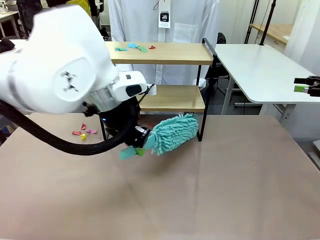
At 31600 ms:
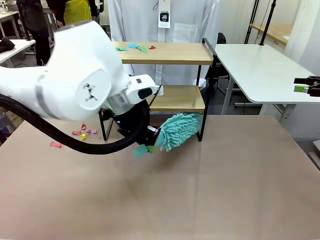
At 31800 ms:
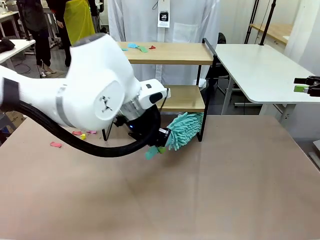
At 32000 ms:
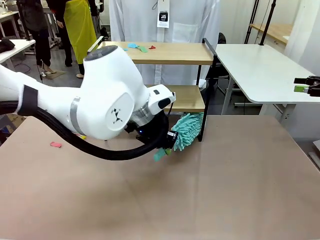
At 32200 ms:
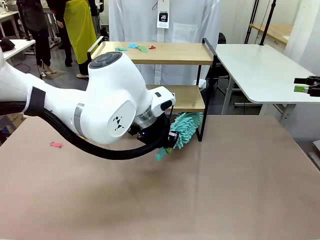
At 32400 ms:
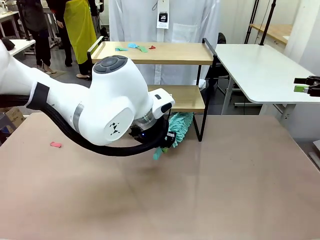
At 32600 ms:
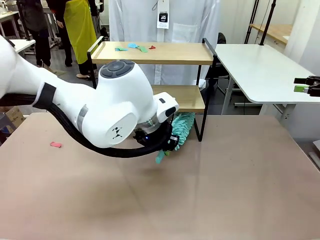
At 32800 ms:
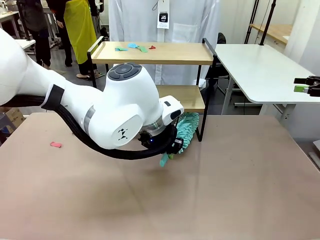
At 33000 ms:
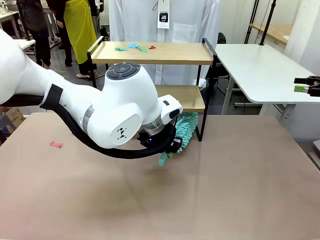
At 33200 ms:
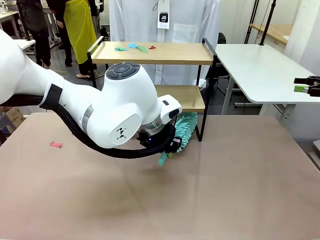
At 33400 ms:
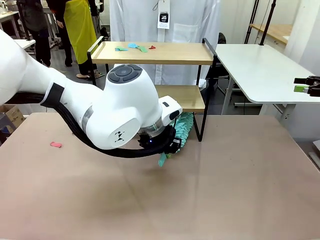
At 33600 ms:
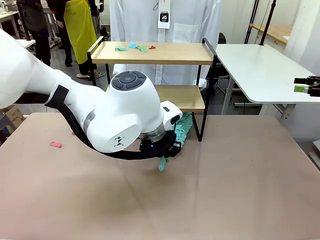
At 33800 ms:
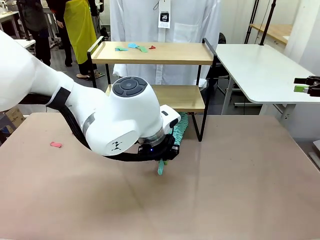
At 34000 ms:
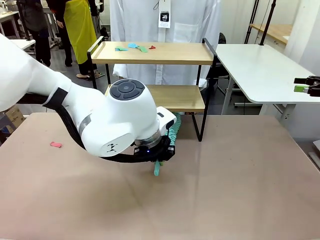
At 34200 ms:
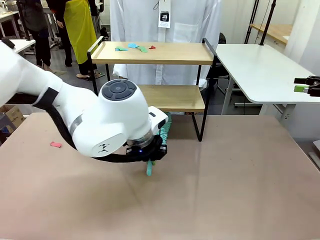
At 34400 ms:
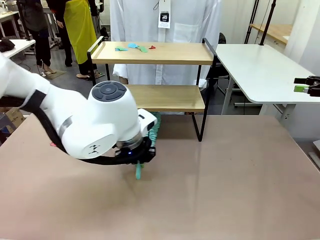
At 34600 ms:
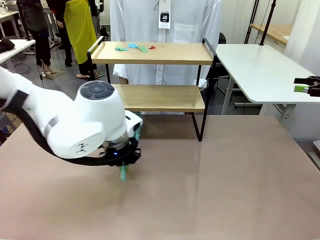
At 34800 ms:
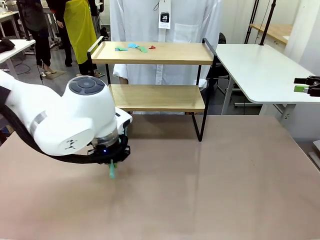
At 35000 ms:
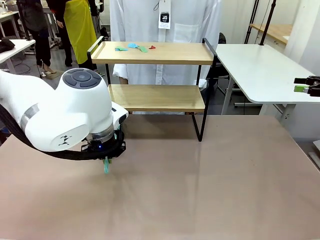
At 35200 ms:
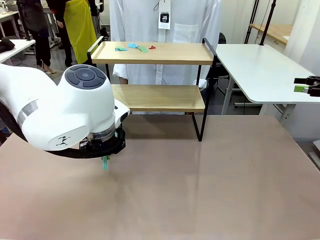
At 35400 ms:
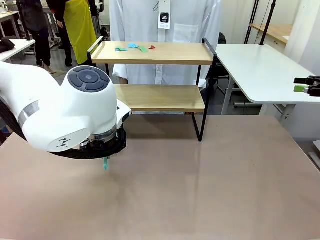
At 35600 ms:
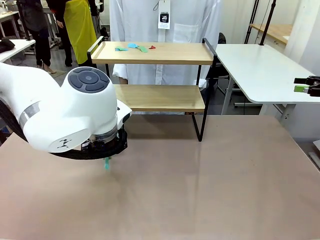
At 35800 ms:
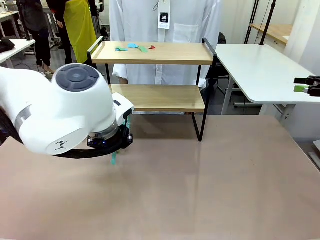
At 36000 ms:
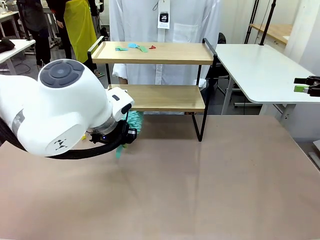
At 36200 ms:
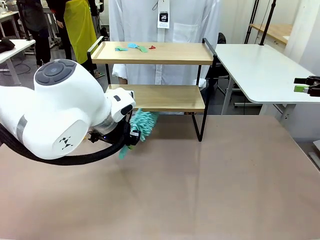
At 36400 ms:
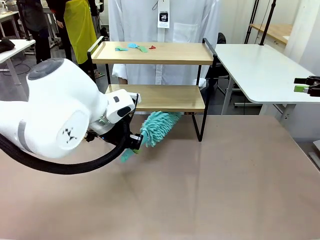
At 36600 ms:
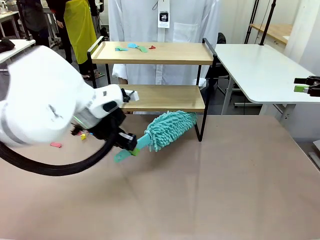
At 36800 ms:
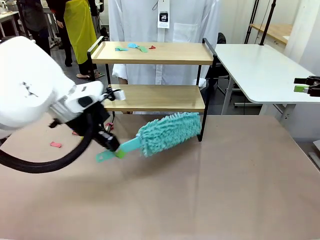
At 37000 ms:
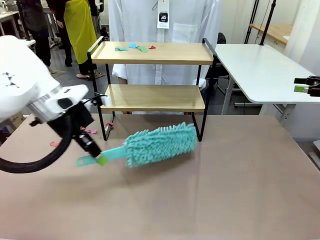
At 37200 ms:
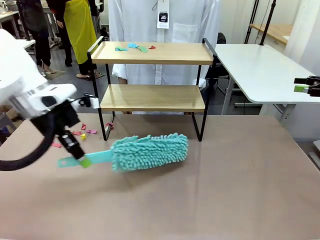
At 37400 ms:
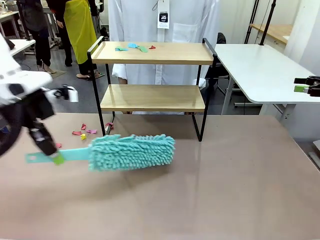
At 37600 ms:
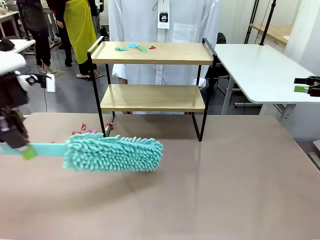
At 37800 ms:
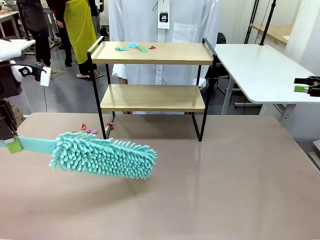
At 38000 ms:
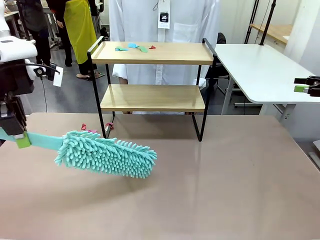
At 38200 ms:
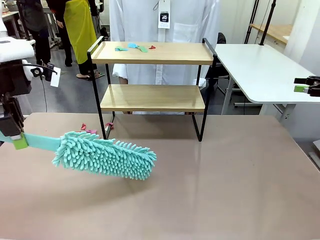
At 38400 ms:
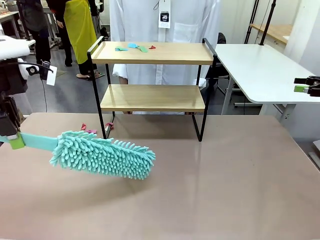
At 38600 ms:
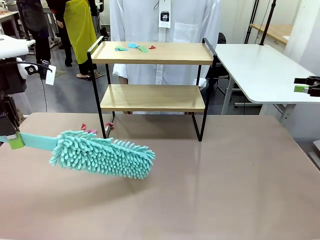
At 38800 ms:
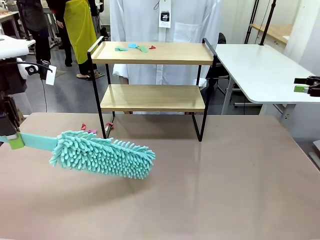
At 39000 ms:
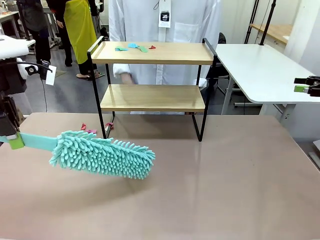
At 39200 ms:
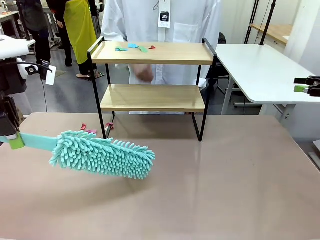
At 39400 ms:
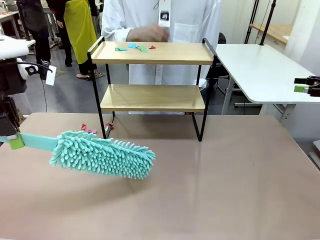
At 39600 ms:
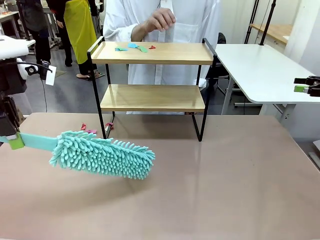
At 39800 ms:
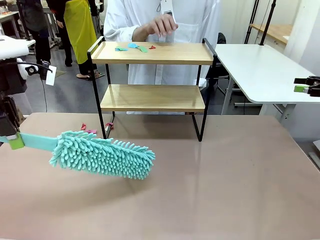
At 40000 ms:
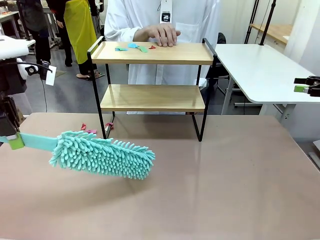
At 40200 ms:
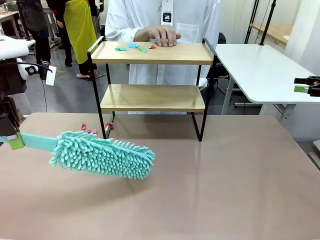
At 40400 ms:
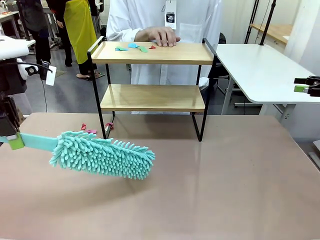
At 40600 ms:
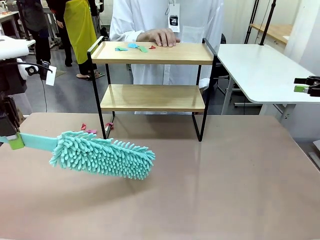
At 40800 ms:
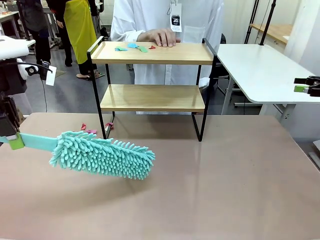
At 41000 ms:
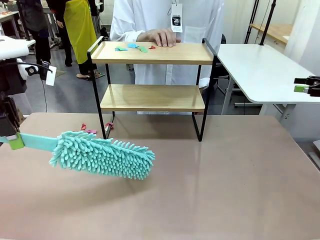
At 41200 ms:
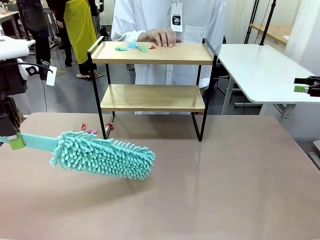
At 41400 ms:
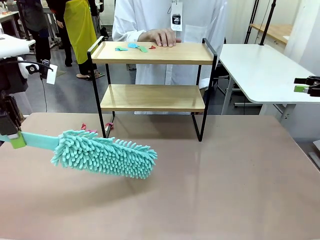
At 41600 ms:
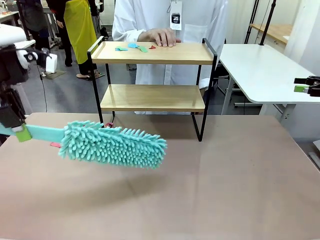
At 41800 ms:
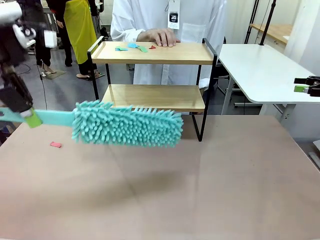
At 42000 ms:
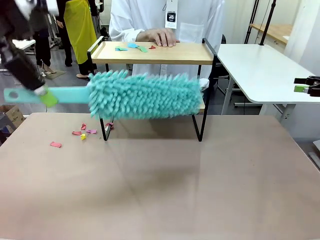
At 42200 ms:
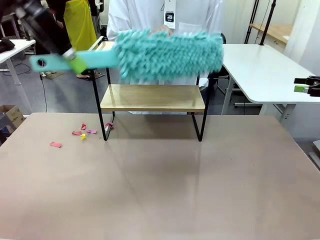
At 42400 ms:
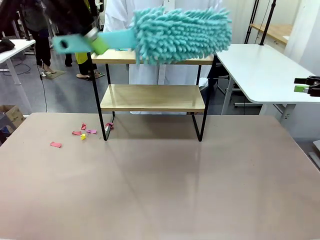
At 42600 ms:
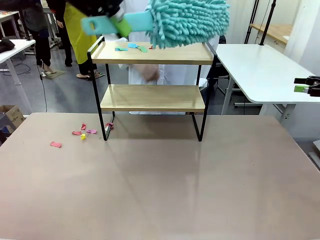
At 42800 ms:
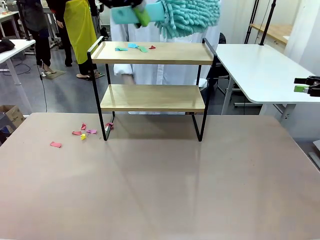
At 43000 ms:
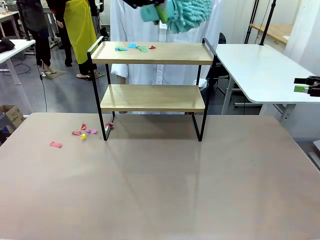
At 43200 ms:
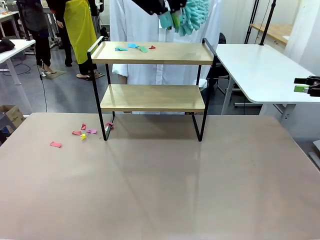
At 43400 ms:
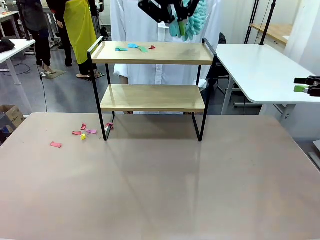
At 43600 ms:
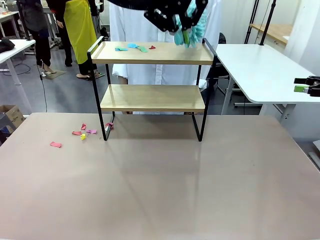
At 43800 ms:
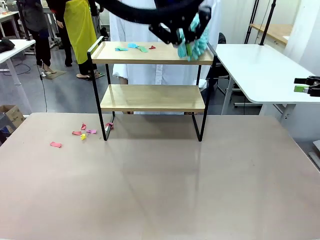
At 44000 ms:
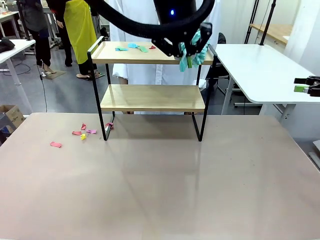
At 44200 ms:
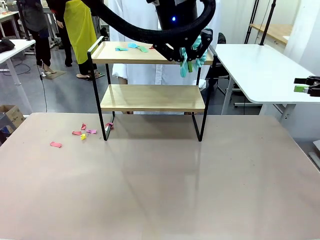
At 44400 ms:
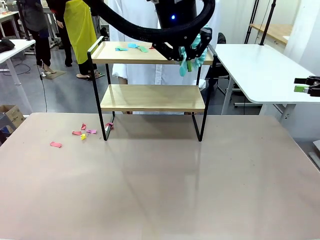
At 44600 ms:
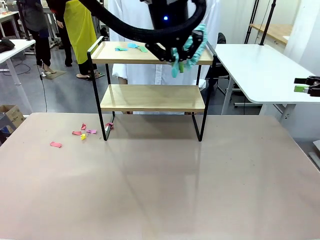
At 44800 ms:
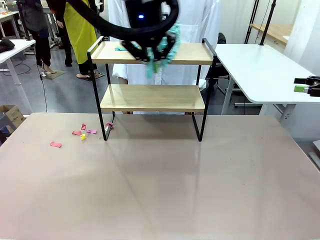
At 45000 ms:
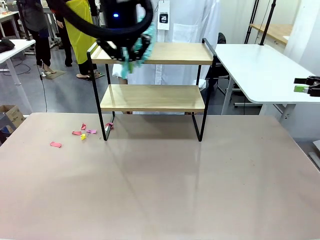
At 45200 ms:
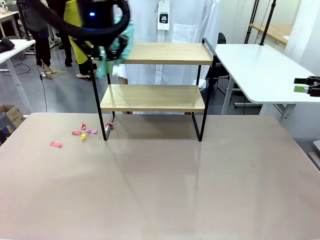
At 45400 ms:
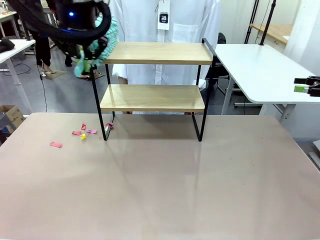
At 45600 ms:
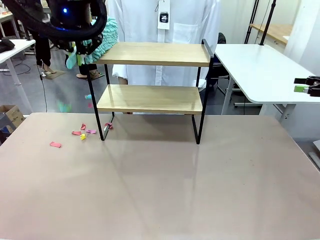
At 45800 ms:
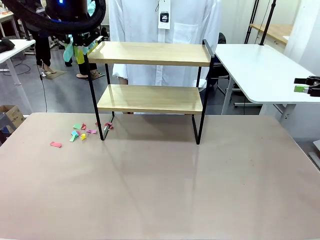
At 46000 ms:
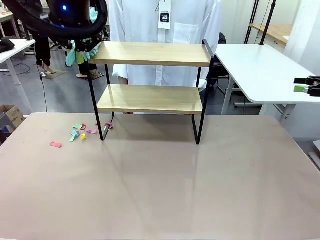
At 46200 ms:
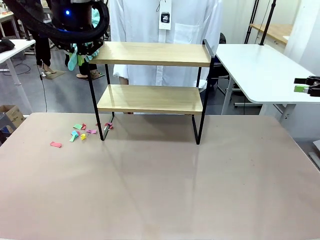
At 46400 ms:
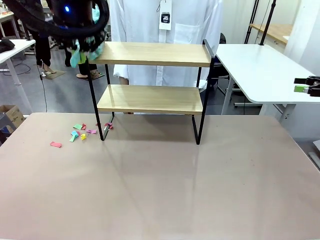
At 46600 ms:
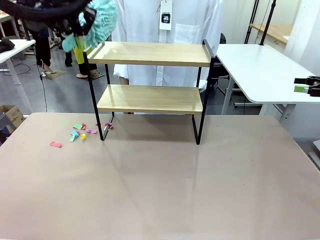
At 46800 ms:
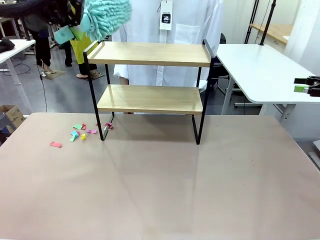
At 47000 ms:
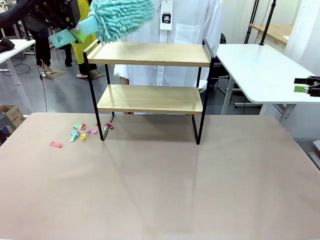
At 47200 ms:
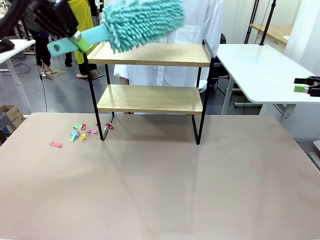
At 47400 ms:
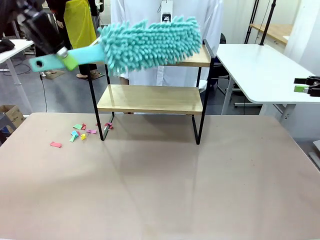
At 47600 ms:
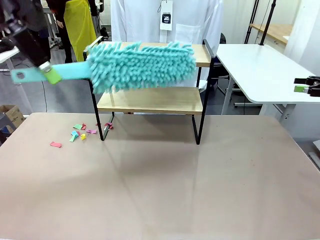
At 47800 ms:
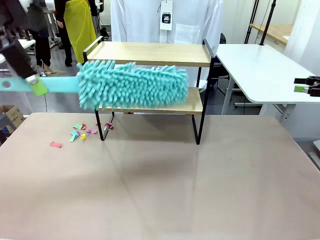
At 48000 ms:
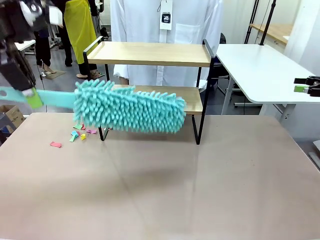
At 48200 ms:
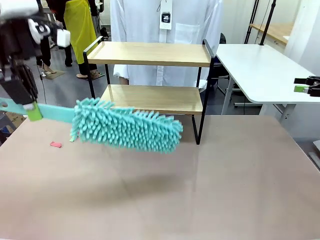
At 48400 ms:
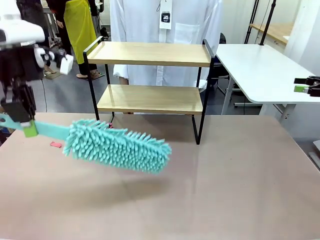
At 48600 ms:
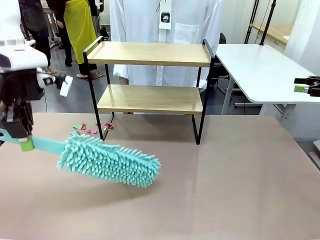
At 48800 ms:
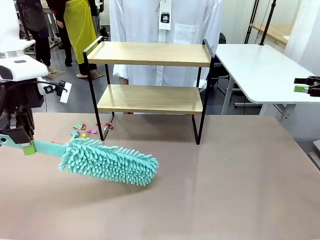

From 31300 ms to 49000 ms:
Task: Clean the shelf.
Robot: Clean the specific section of the Shelf indicated by the human with the Duster.
Person: Point a remaining section of the Shelf.
